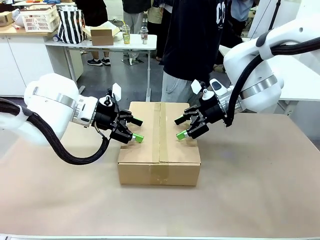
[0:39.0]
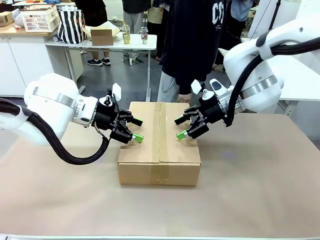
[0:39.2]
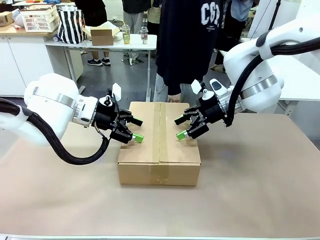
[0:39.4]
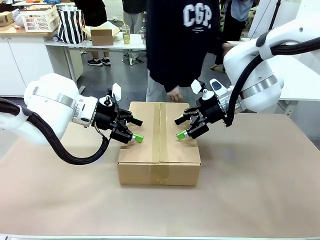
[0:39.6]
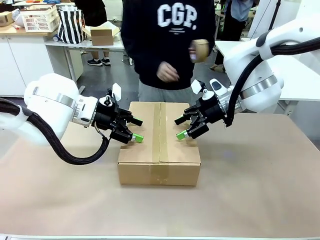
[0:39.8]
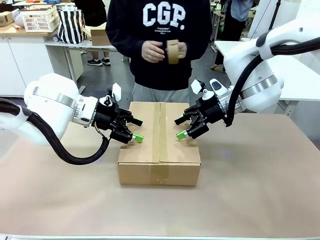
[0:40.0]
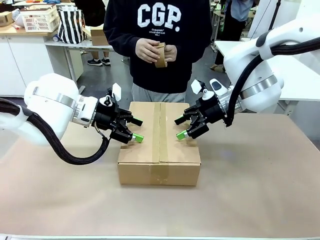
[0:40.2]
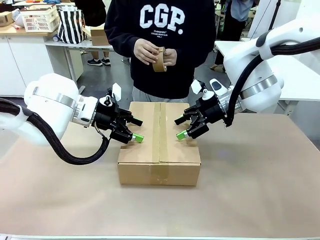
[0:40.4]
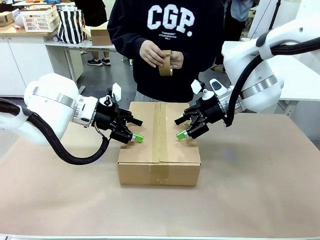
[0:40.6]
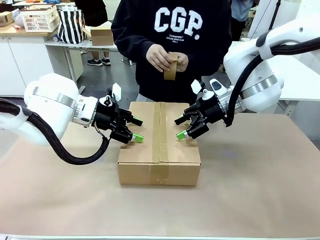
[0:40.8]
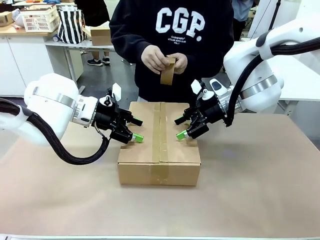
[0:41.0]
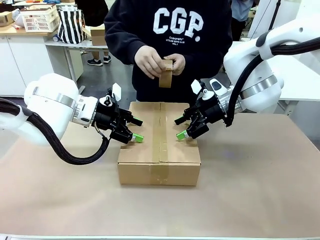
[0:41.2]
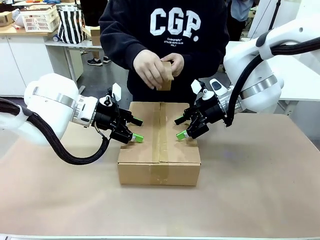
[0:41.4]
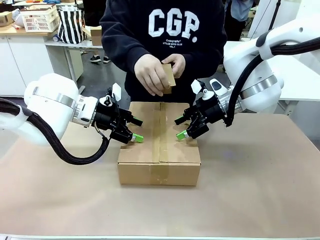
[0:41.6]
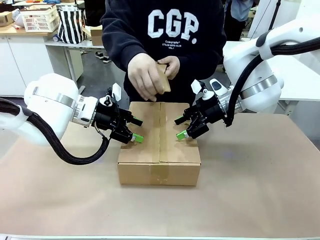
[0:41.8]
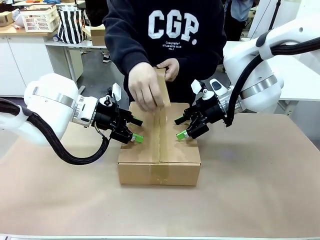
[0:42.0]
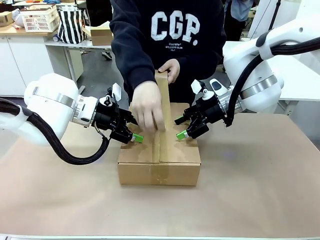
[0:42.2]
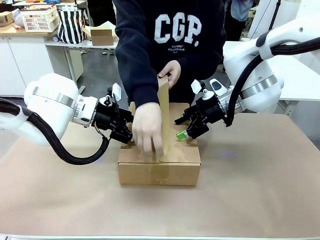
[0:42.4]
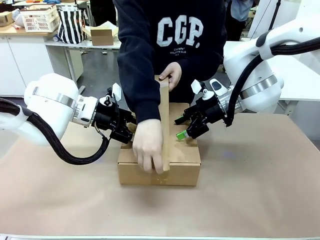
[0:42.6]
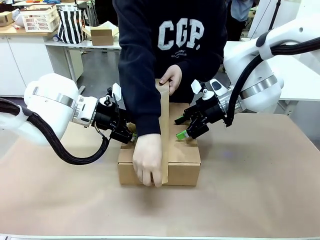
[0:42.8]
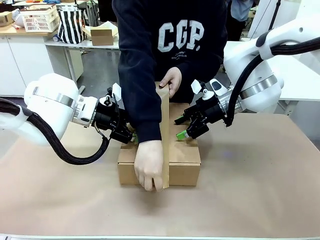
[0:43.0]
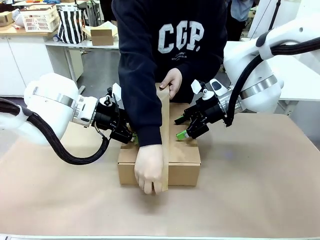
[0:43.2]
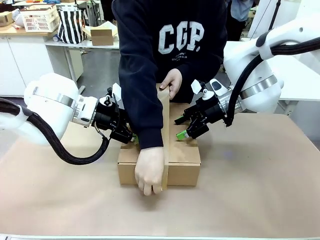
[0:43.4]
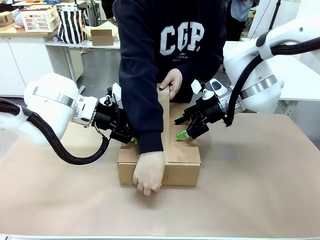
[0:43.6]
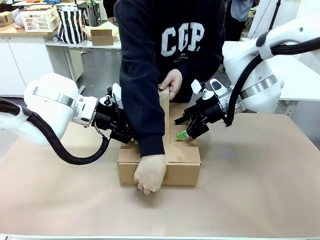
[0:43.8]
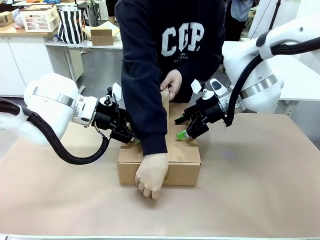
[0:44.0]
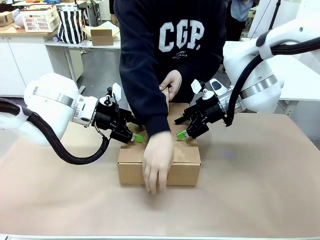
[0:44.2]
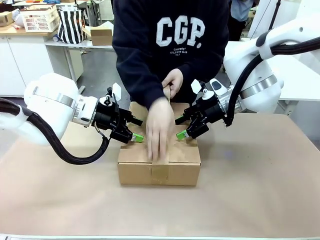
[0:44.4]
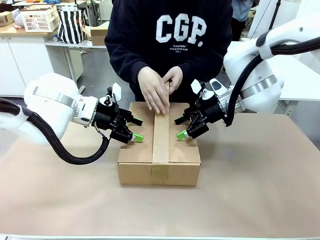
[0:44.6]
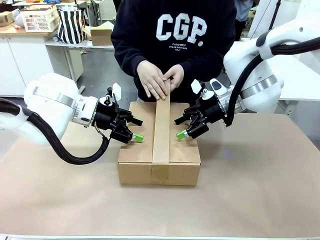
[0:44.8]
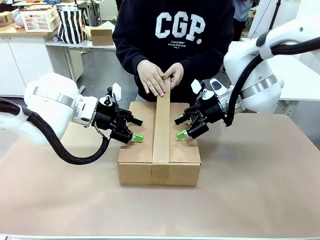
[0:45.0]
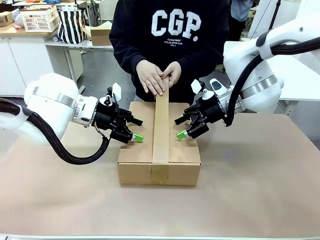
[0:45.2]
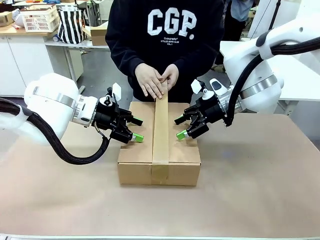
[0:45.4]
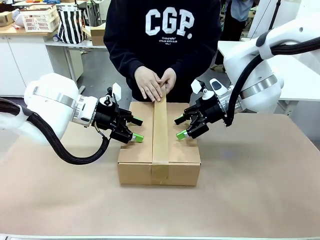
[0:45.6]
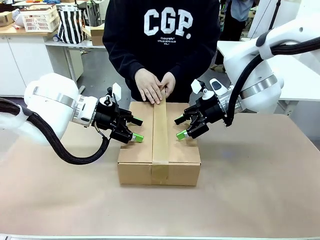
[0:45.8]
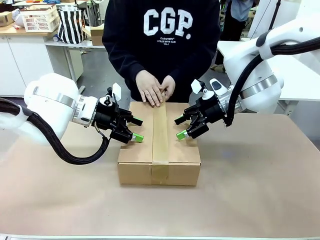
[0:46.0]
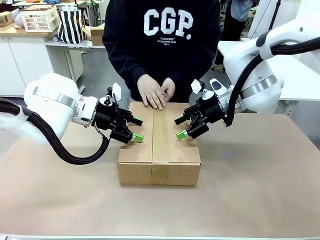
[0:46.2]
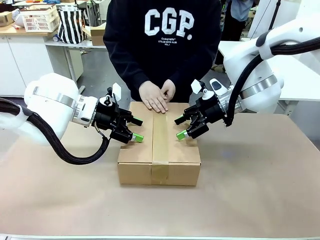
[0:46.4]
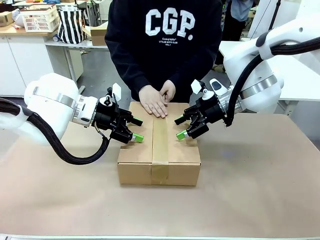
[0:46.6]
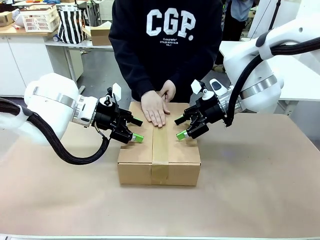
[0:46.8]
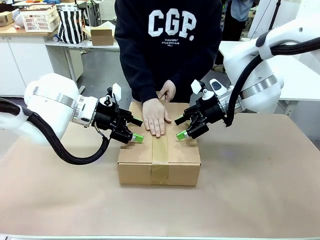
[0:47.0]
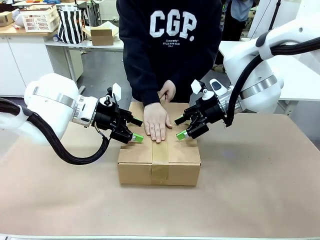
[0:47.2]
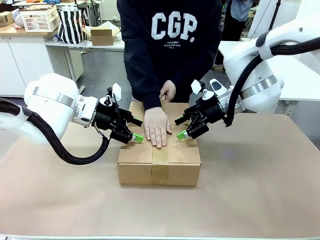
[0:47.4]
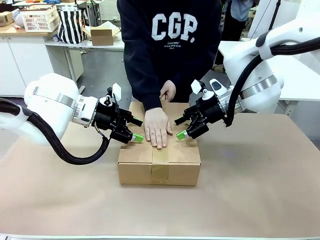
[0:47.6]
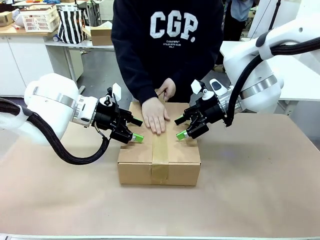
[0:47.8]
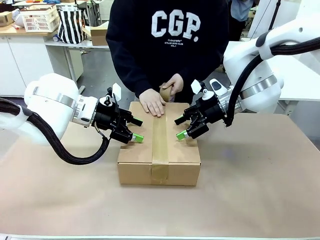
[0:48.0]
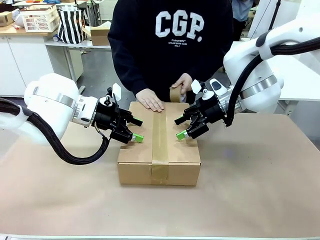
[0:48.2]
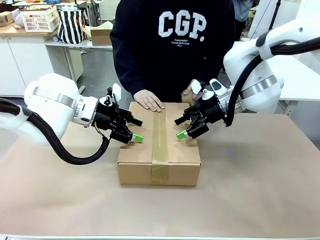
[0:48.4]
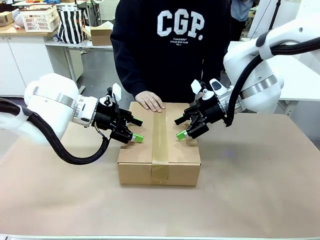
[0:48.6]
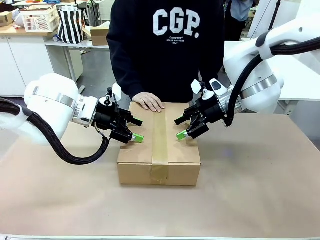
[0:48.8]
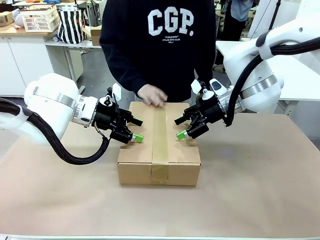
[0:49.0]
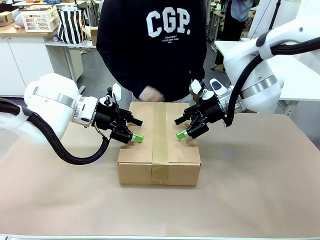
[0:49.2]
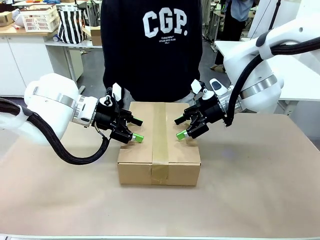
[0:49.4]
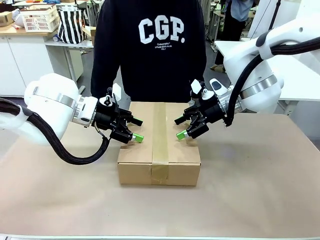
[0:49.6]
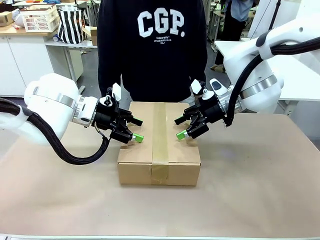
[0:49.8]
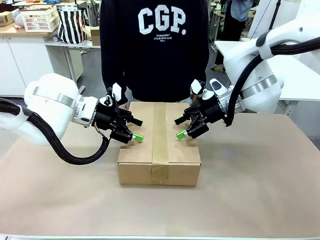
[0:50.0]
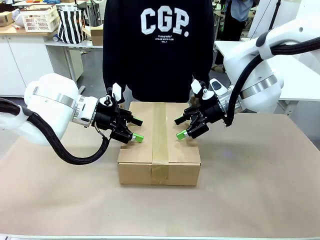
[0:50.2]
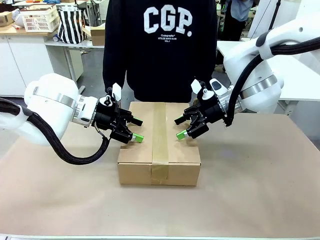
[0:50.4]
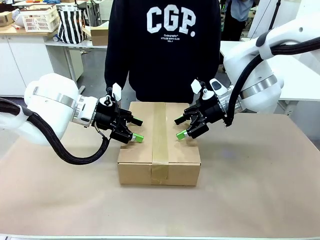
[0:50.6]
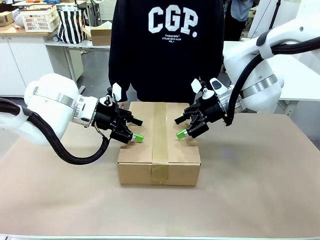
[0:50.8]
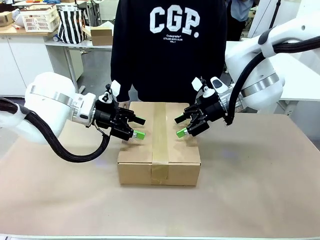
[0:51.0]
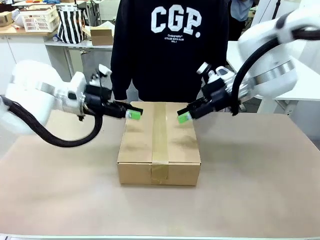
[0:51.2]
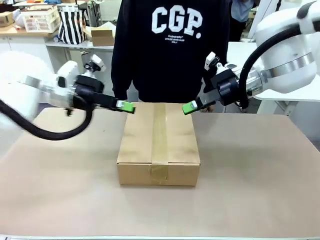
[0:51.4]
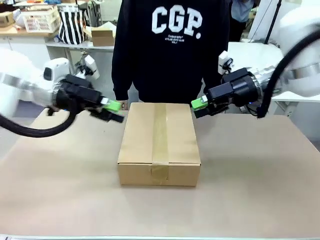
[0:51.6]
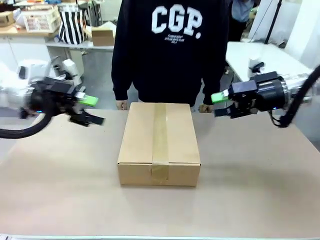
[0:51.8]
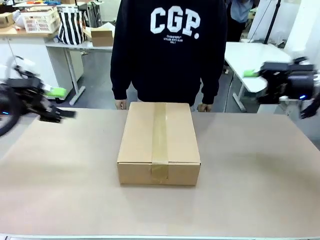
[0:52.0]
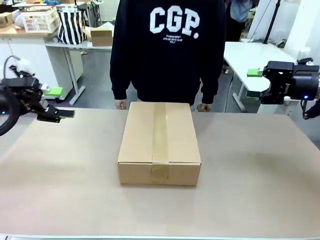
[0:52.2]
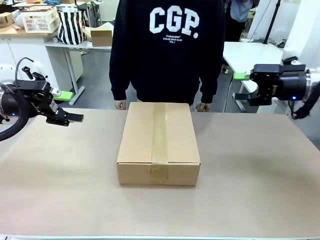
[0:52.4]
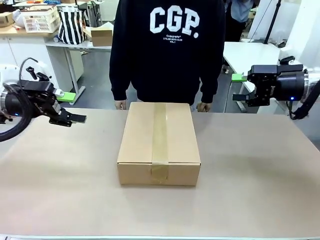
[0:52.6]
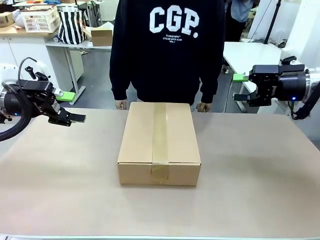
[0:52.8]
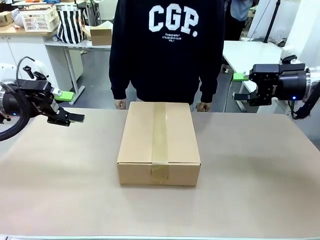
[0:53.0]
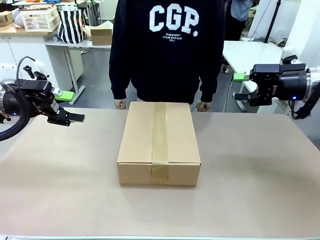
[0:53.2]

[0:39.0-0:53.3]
Task: Pack the gift set into the box.
Robot: Press and hold the closed box until the human finishes sealing it.
Person: The human picks up the paper tape from the human table and packs the box.
